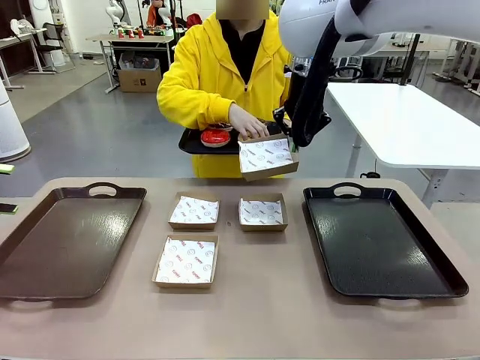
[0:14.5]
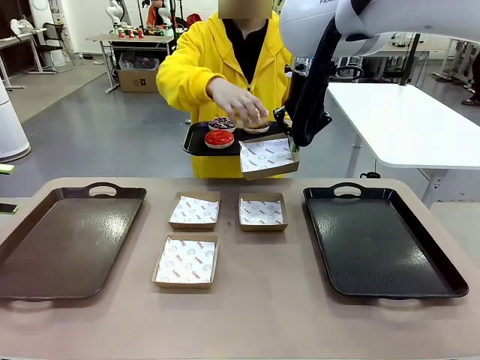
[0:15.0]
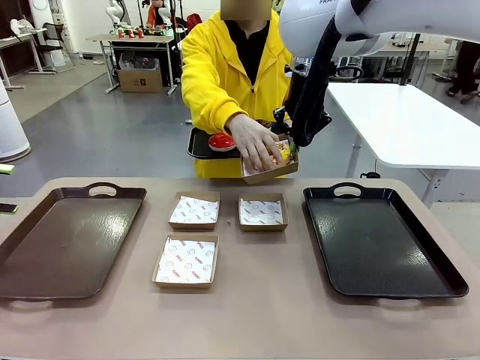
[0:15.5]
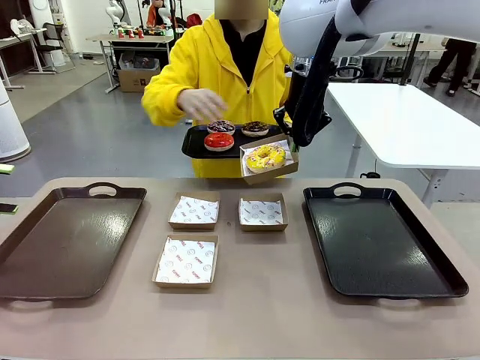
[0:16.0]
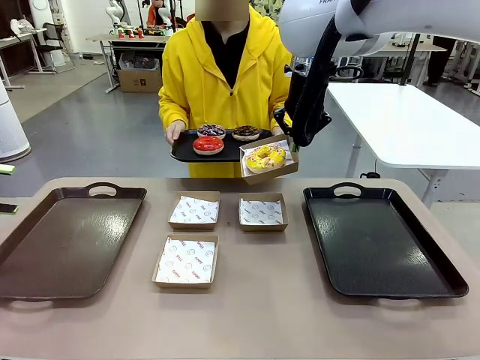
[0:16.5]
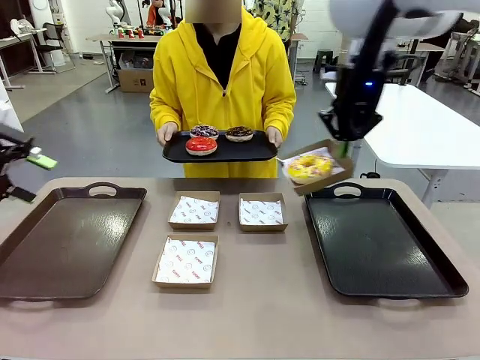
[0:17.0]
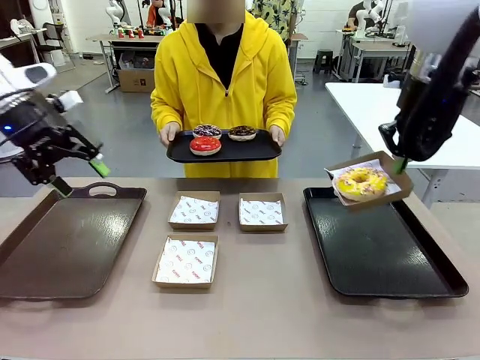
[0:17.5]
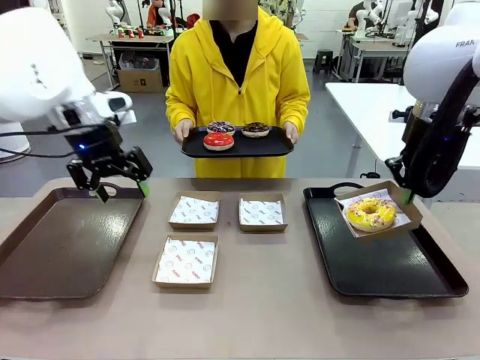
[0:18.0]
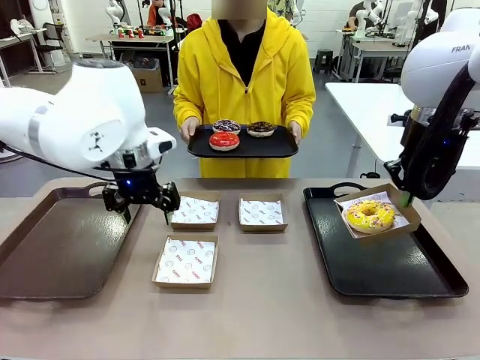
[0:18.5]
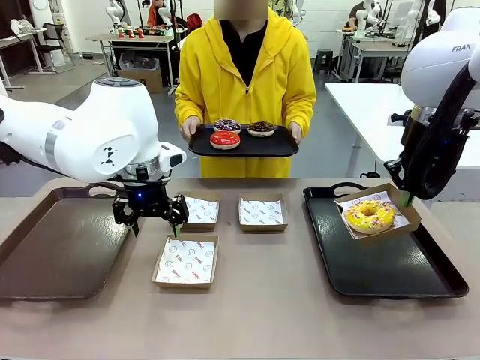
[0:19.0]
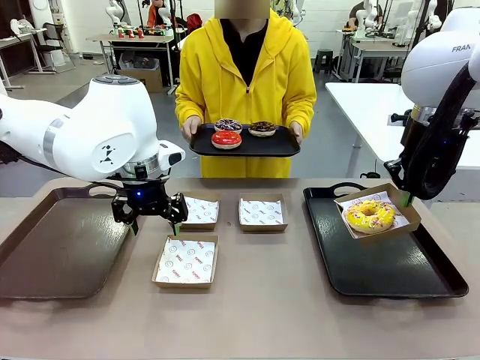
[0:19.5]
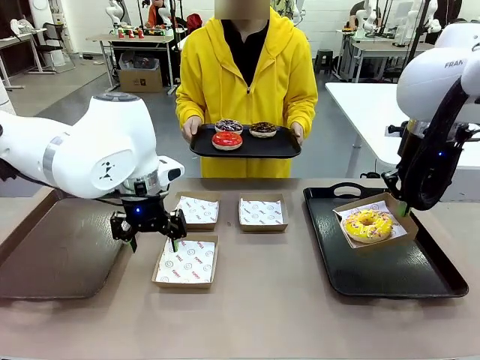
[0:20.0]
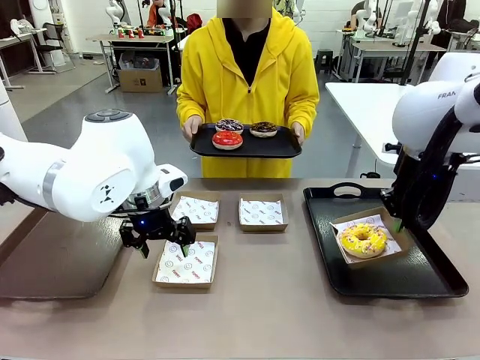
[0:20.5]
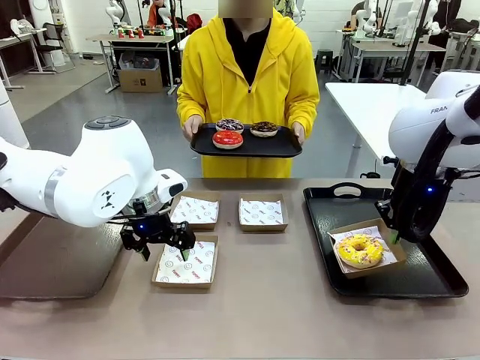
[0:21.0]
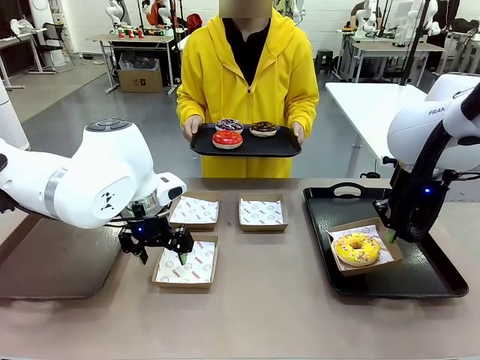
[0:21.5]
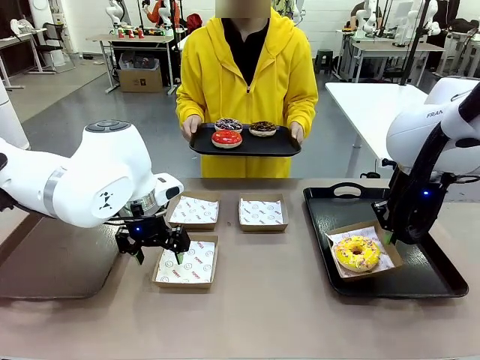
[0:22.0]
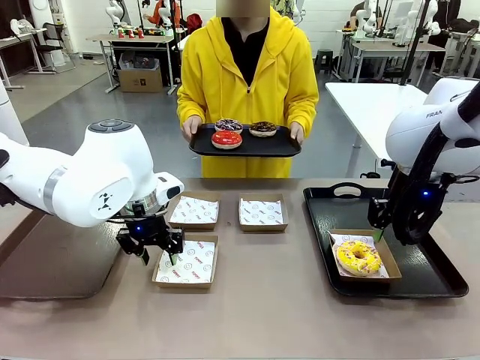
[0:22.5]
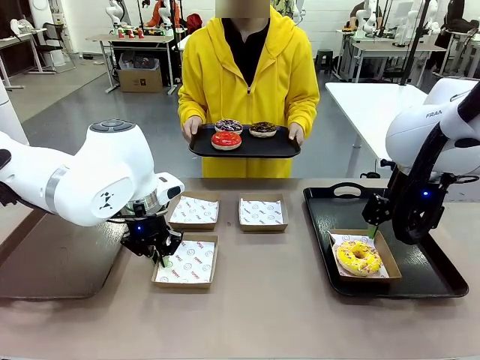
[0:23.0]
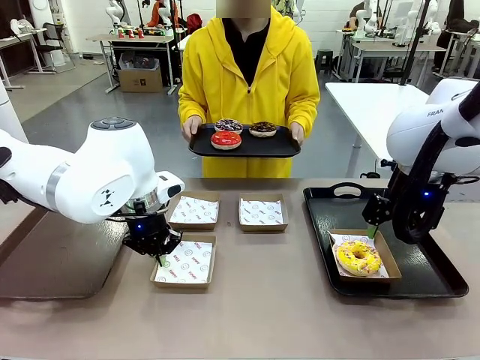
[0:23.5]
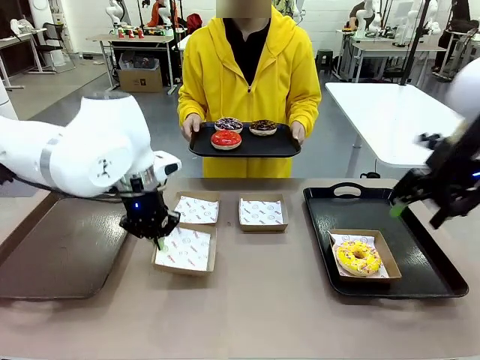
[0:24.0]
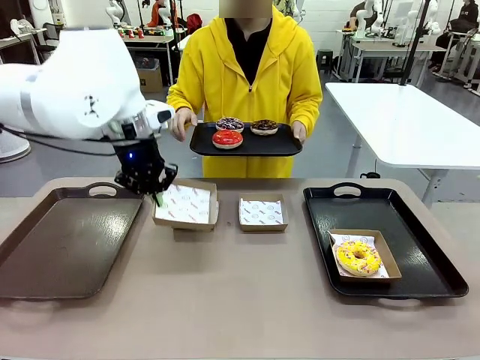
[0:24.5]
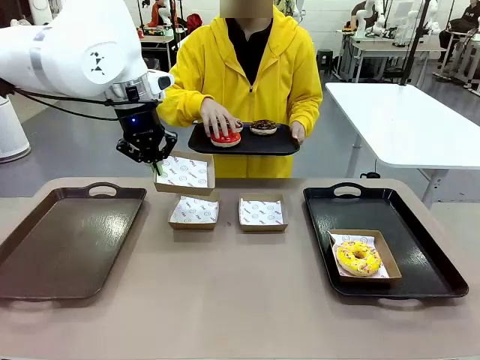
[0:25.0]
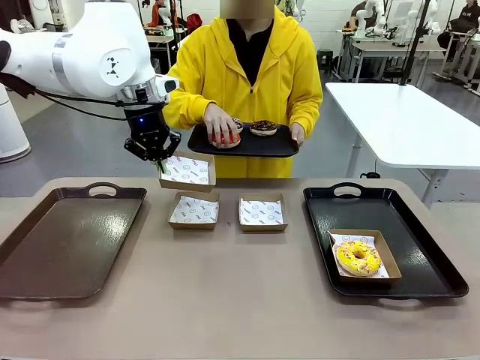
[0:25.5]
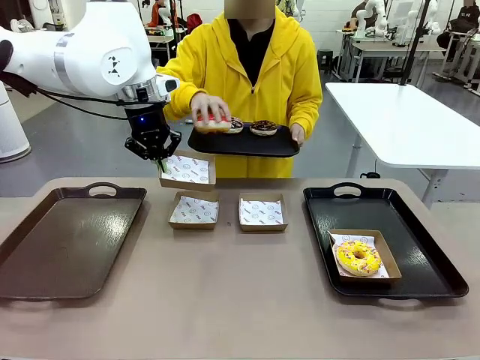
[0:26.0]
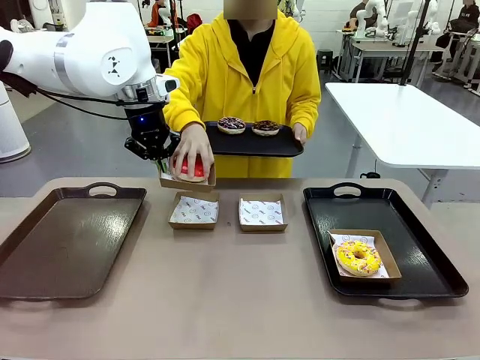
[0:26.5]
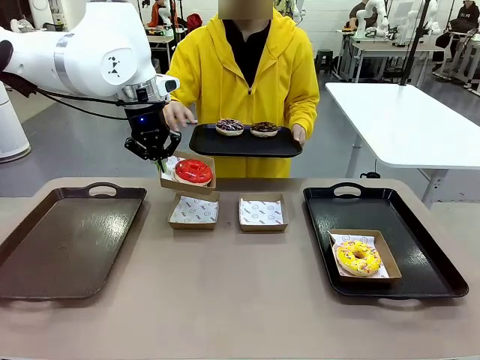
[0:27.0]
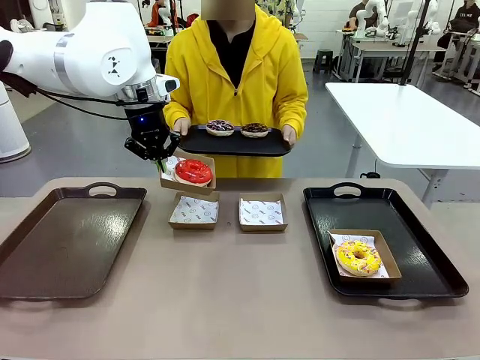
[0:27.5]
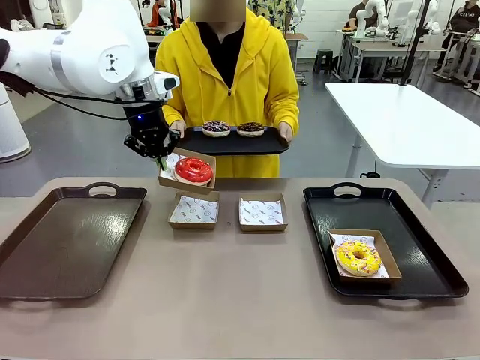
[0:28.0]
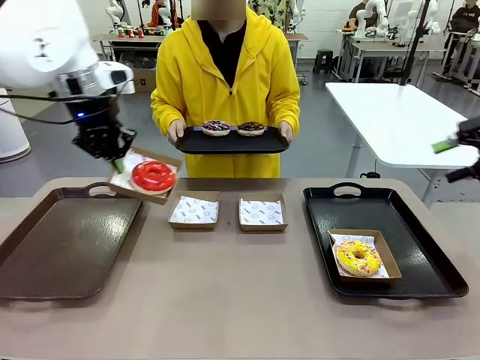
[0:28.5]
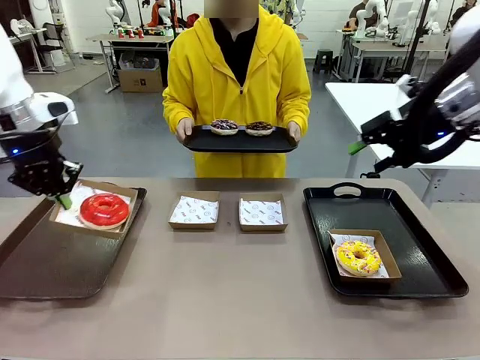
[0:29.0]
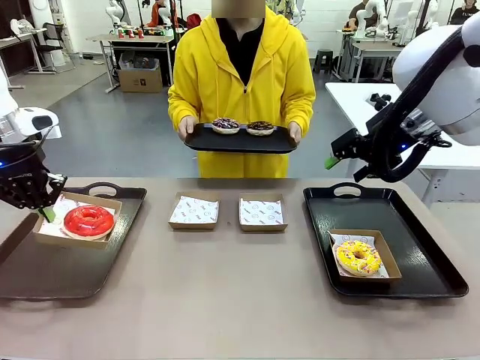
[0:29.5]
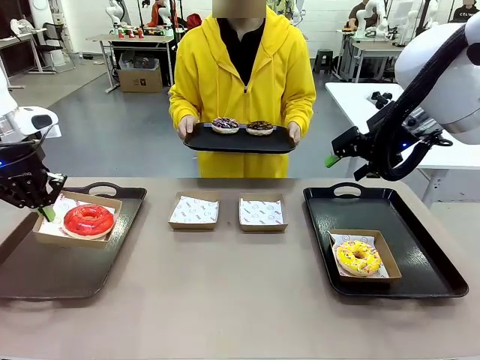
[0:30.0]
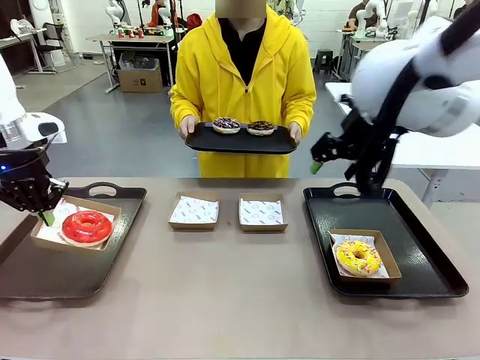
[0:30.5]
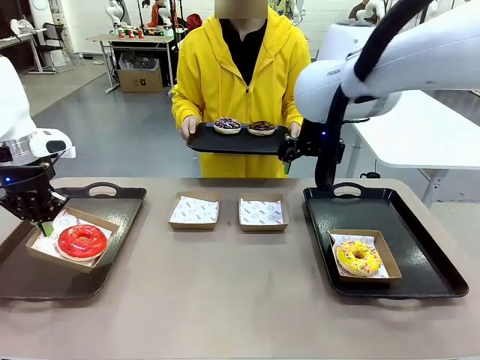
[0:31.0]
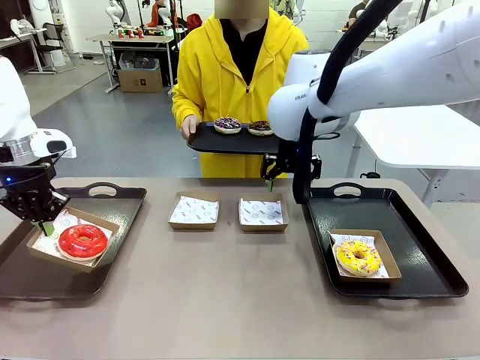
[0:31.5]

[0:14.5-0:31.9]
Task: Individually package the donuts and arrange them on the tray.
Robot: Place the picked Paper togo box on the Handle tray while simultaneously picking up another Paper togo box from the table with the other hand.

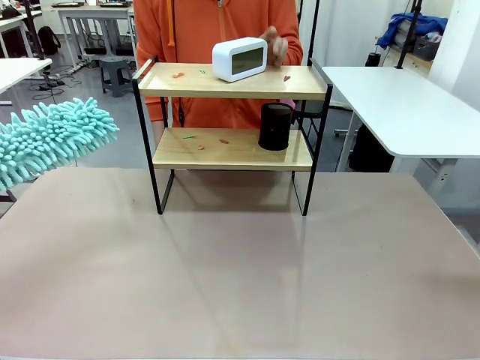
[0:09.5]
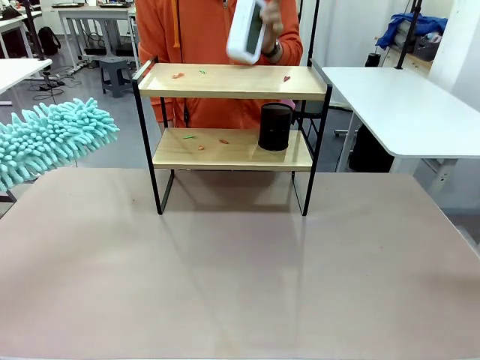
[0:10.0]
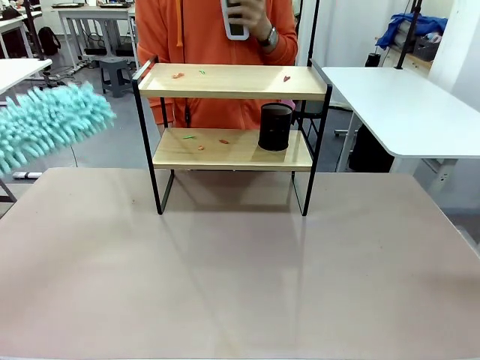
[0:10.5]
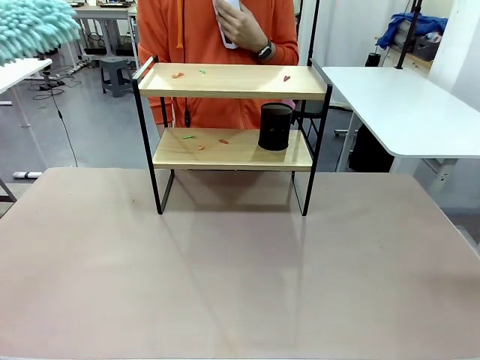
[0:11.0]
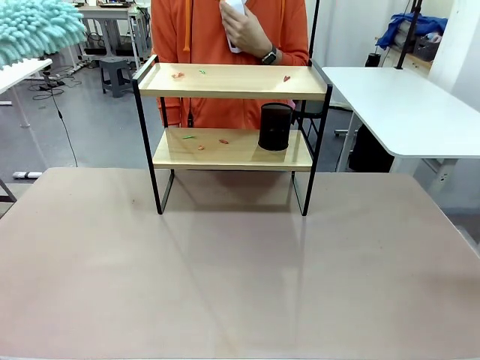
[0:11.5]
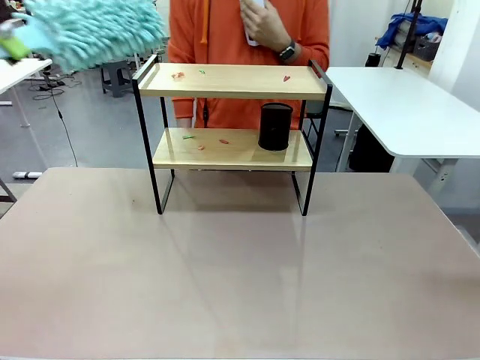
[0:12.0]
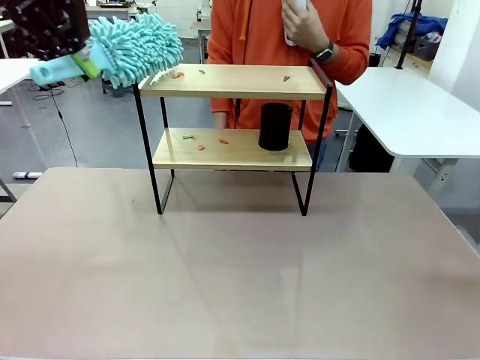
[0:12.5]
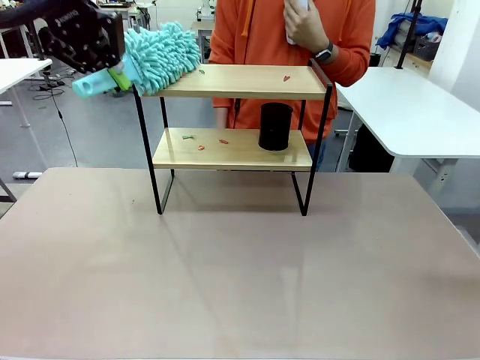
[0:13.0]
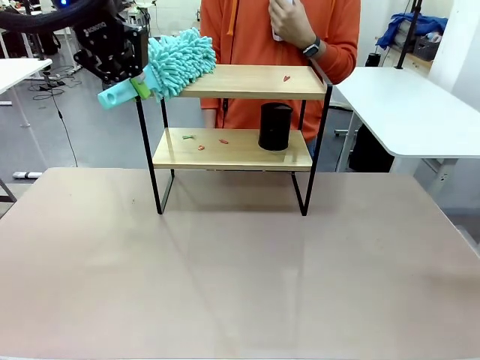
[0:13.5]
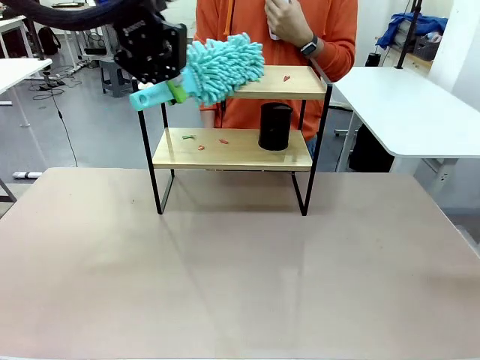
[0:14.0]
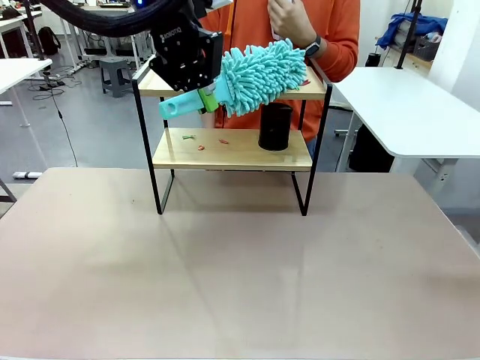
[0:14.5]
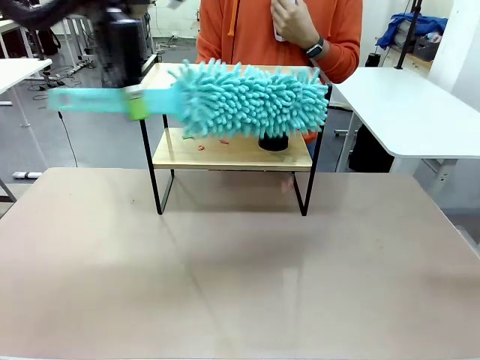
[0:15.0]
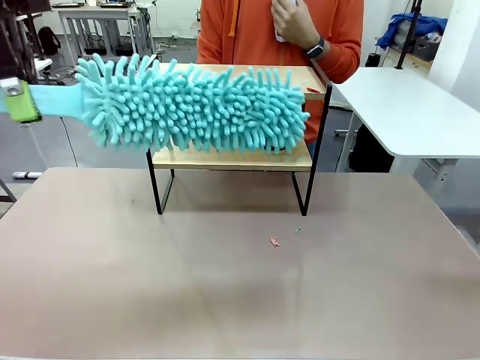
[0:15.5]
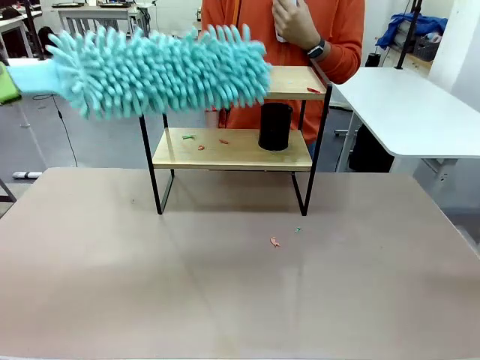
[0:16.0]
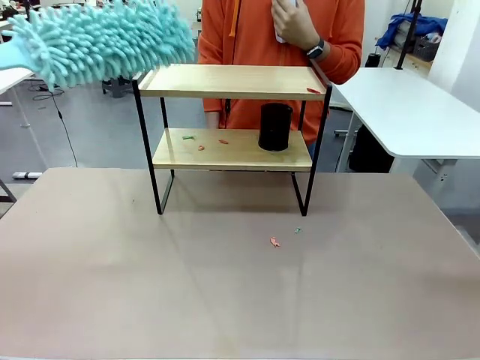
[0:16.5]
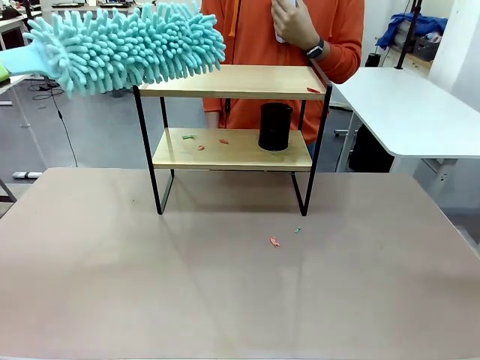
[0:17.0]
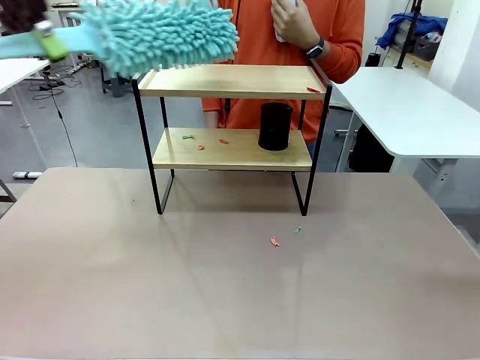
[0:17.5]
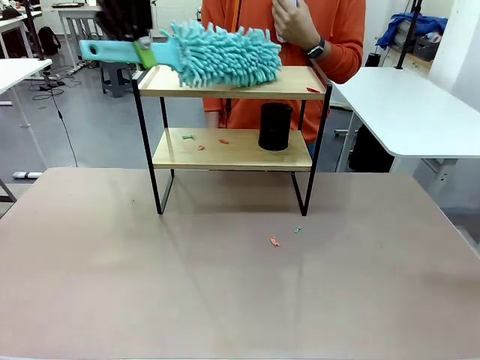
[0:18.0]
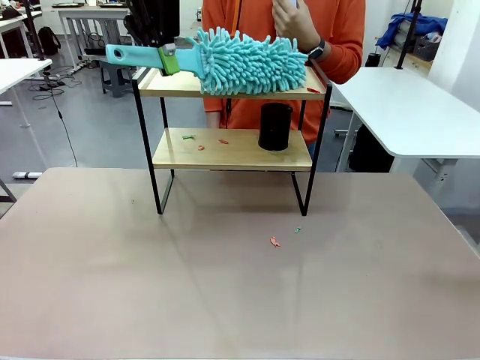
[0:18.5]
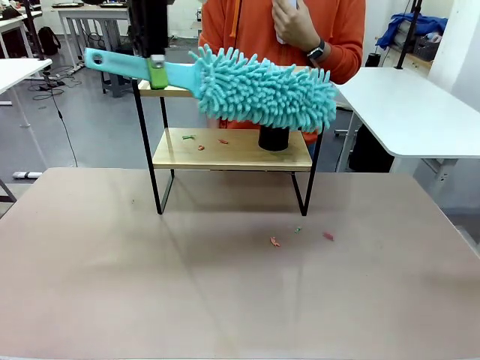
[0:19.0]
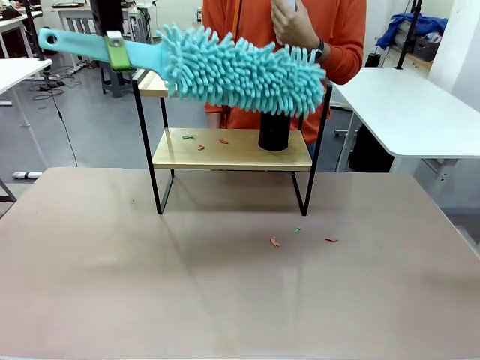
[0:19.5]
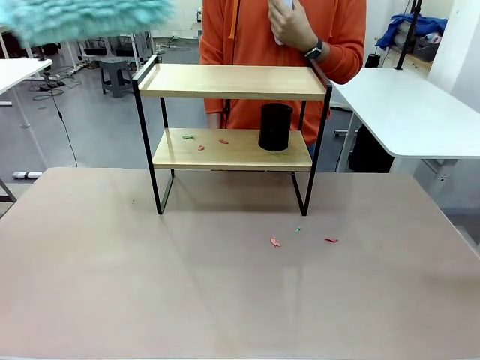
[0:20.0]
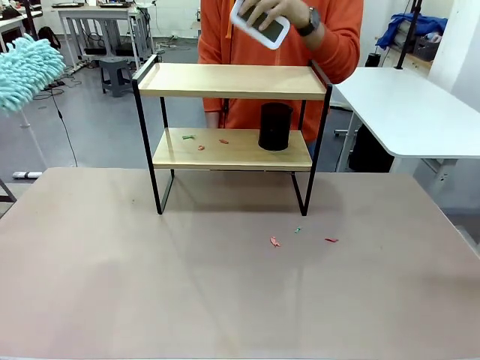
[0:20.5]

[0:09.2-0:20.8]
Task: Clean the shelf.
Robot: Clean the specific tier of the Shelf with the Duster once objects are removed.
Person: Lift the objects on a randomly selected tier of the Shelf. Once the robot finishes cleaning, lift the objects on the remaining tiers of the Shelf.
